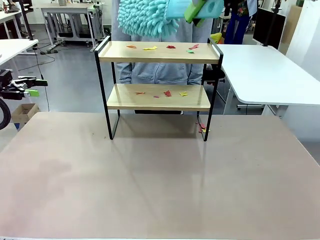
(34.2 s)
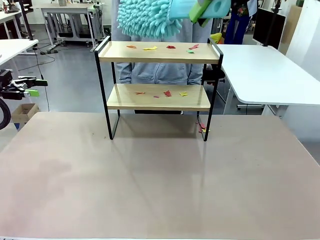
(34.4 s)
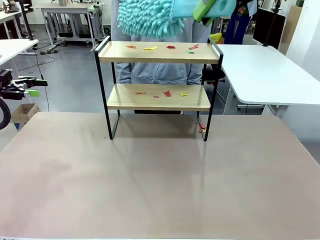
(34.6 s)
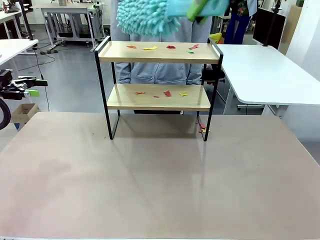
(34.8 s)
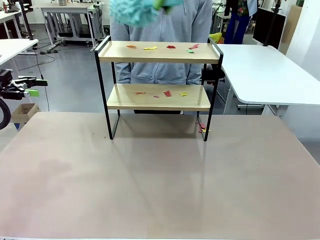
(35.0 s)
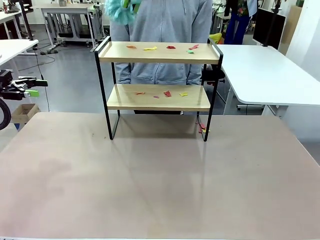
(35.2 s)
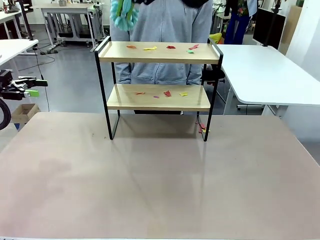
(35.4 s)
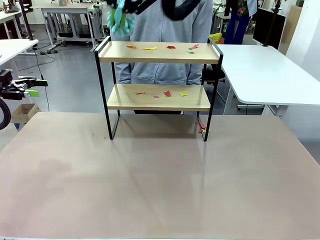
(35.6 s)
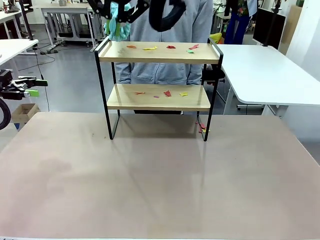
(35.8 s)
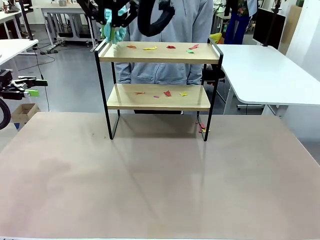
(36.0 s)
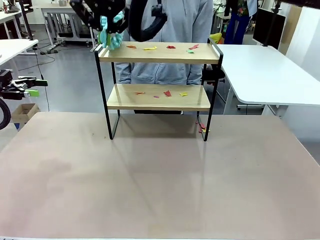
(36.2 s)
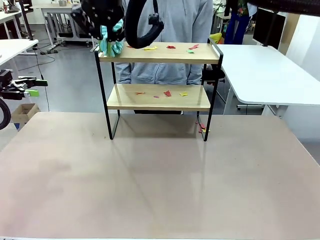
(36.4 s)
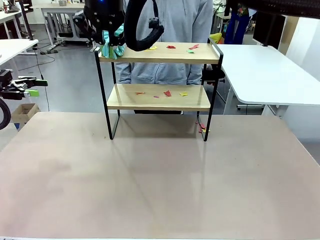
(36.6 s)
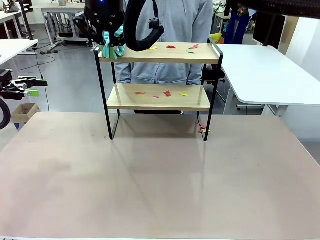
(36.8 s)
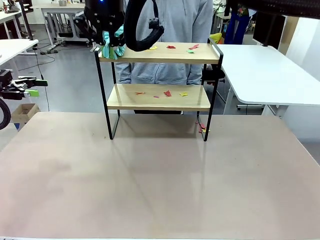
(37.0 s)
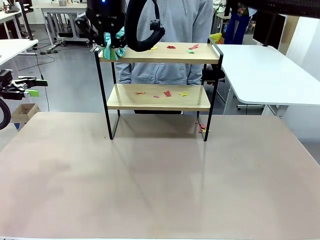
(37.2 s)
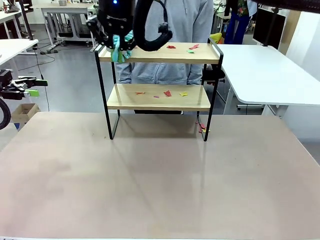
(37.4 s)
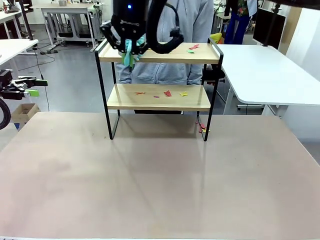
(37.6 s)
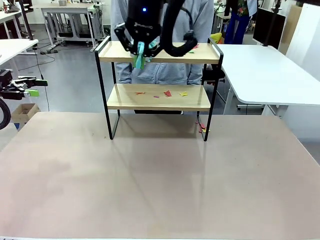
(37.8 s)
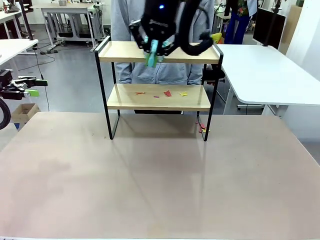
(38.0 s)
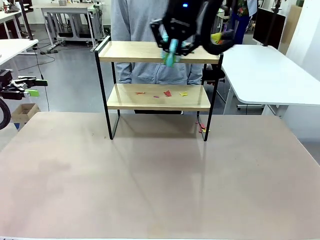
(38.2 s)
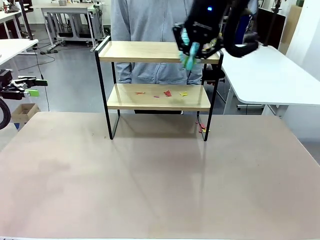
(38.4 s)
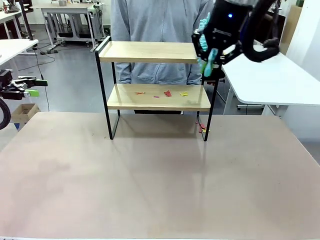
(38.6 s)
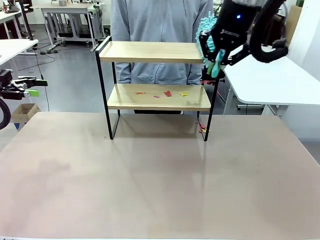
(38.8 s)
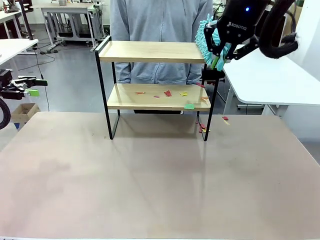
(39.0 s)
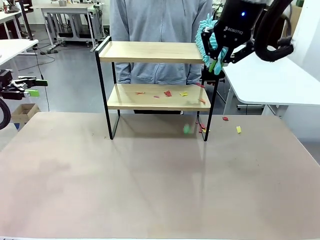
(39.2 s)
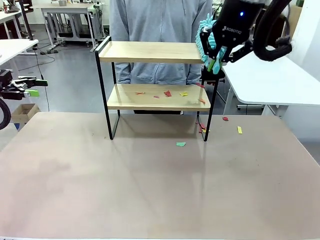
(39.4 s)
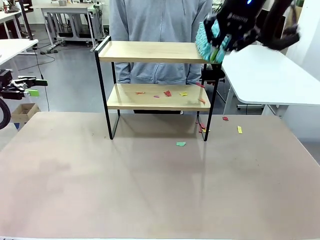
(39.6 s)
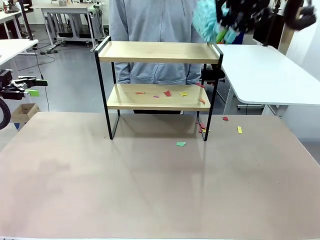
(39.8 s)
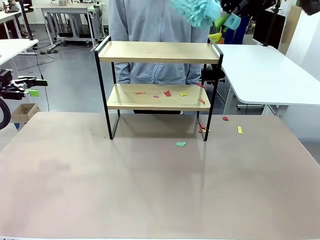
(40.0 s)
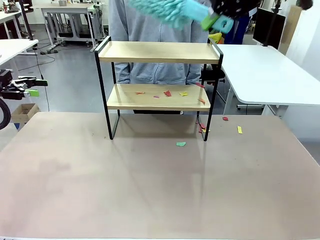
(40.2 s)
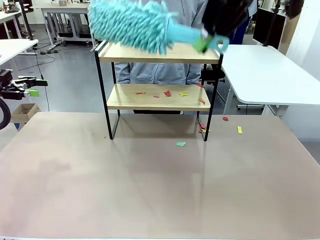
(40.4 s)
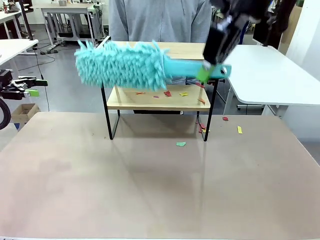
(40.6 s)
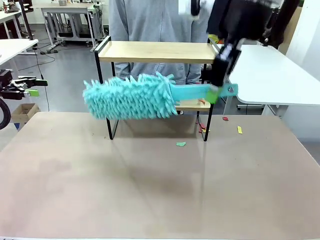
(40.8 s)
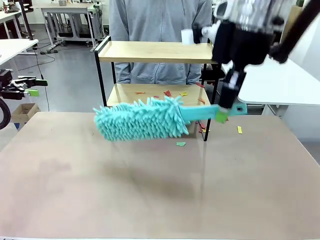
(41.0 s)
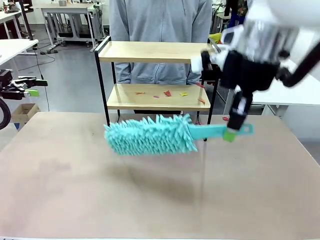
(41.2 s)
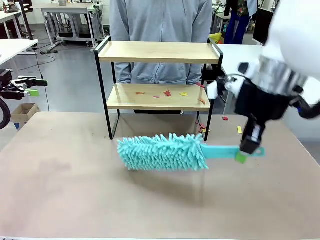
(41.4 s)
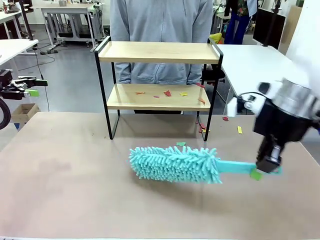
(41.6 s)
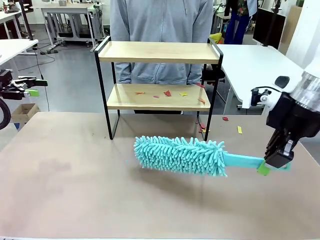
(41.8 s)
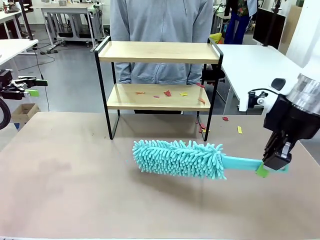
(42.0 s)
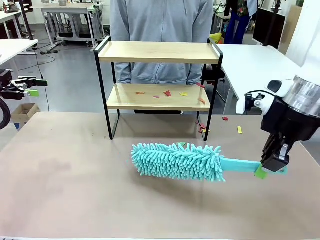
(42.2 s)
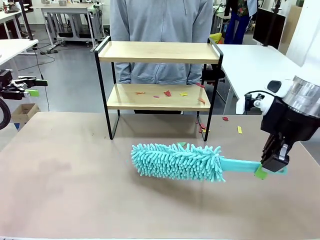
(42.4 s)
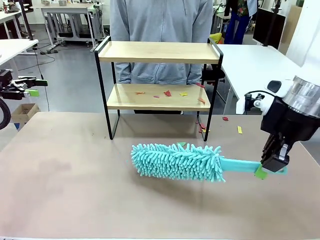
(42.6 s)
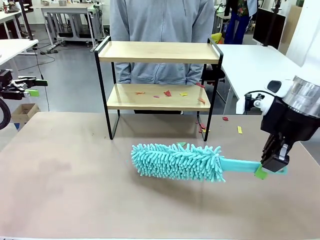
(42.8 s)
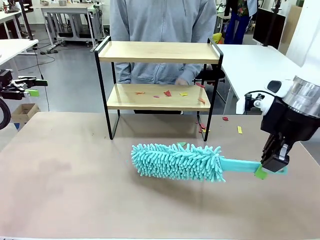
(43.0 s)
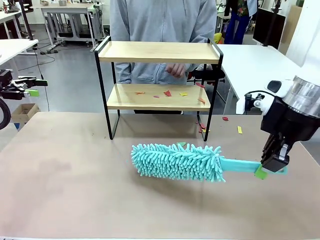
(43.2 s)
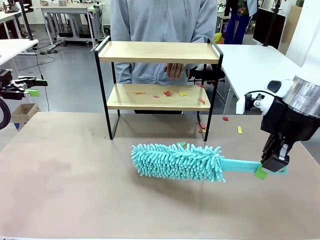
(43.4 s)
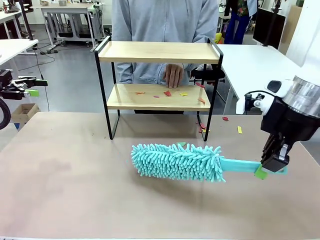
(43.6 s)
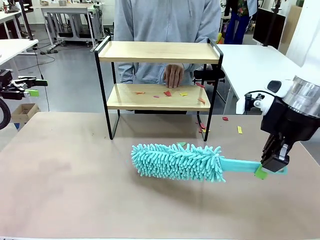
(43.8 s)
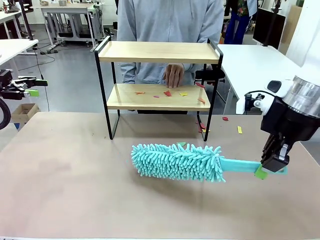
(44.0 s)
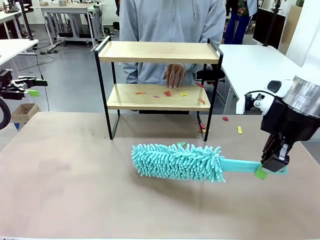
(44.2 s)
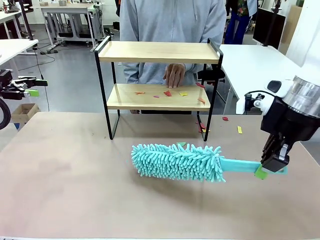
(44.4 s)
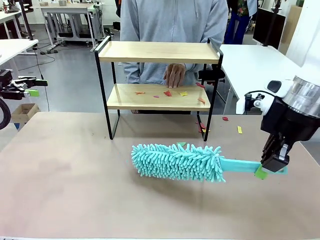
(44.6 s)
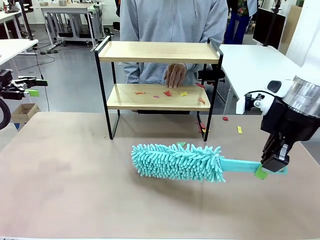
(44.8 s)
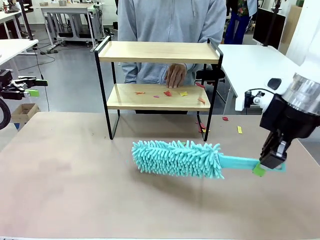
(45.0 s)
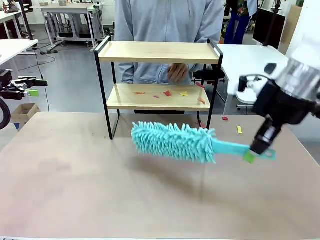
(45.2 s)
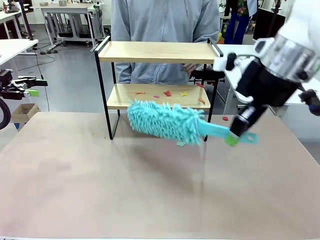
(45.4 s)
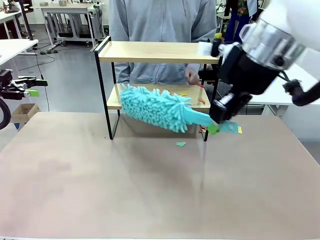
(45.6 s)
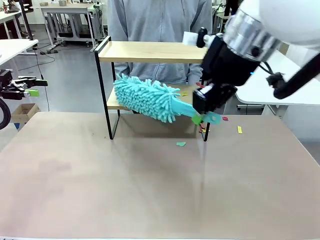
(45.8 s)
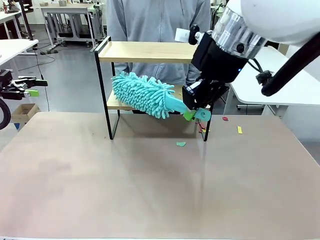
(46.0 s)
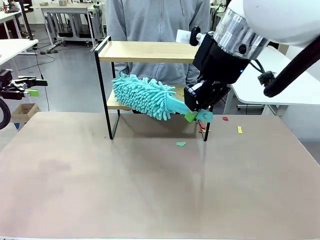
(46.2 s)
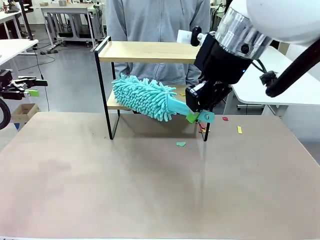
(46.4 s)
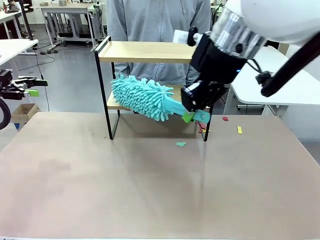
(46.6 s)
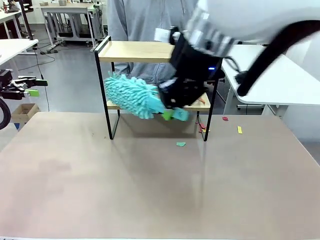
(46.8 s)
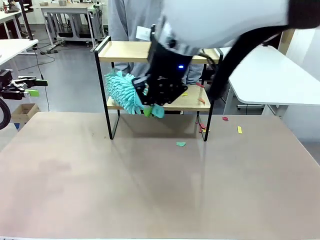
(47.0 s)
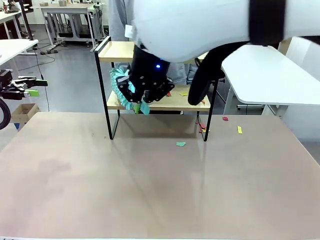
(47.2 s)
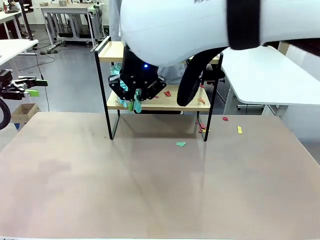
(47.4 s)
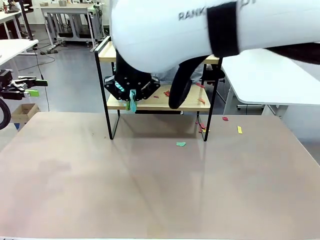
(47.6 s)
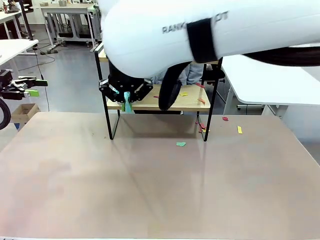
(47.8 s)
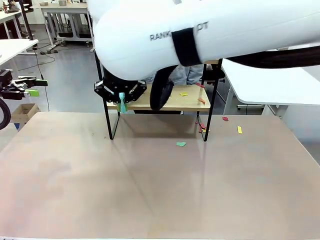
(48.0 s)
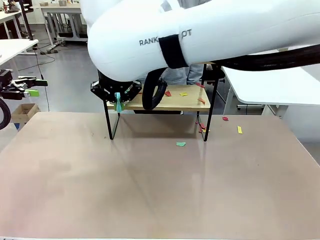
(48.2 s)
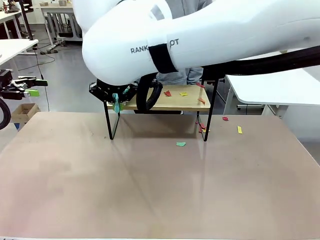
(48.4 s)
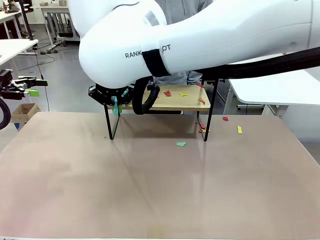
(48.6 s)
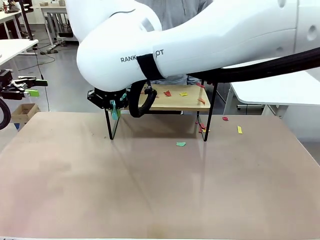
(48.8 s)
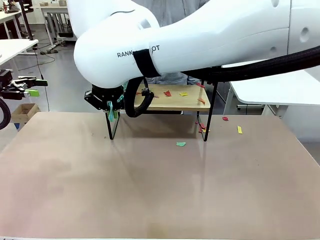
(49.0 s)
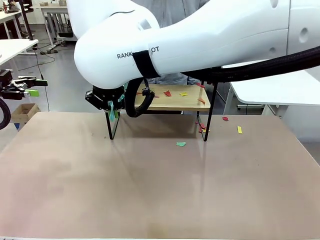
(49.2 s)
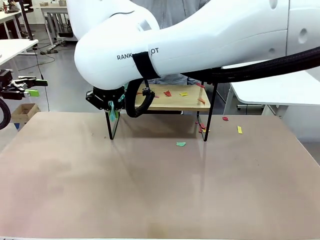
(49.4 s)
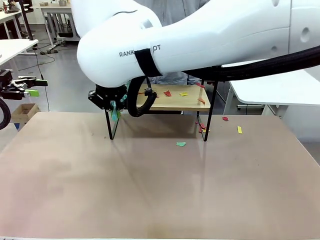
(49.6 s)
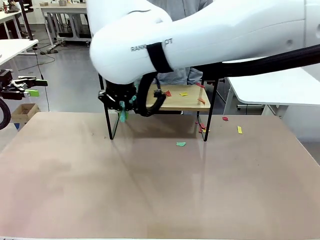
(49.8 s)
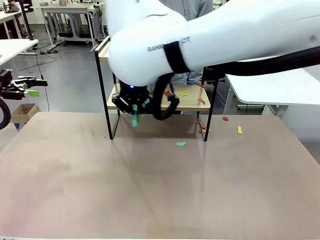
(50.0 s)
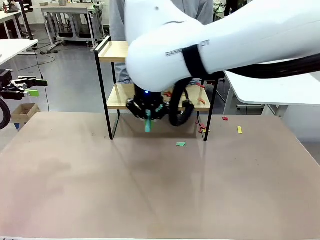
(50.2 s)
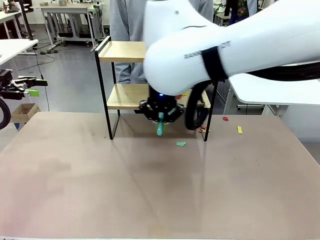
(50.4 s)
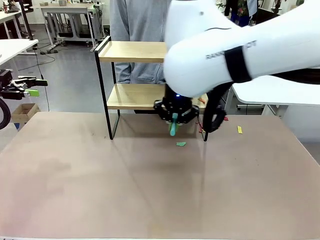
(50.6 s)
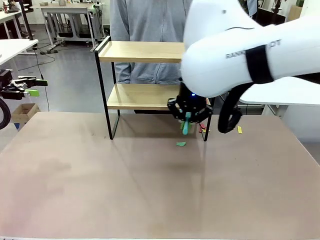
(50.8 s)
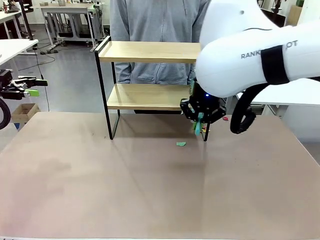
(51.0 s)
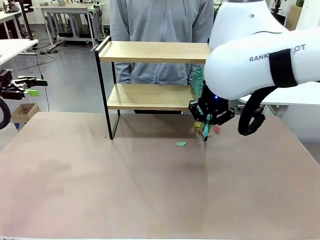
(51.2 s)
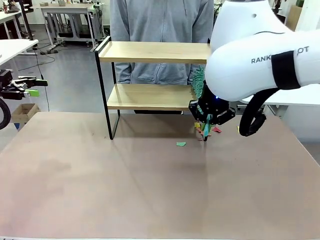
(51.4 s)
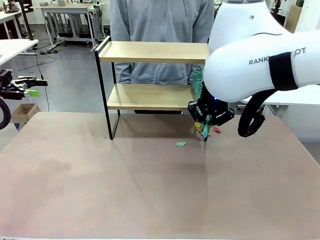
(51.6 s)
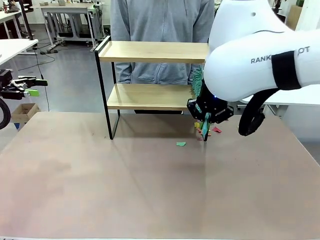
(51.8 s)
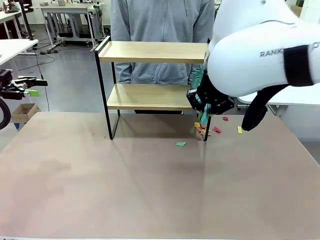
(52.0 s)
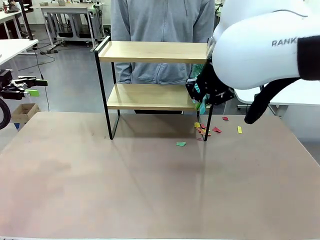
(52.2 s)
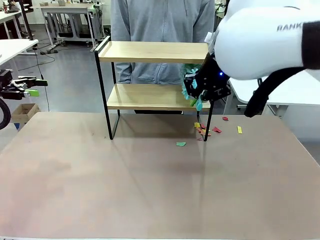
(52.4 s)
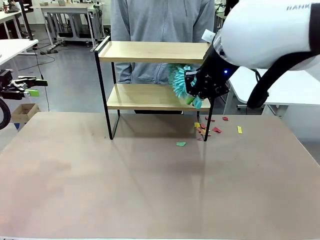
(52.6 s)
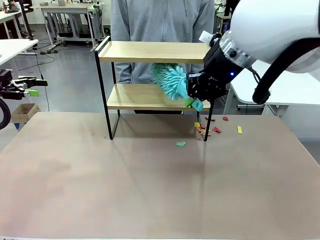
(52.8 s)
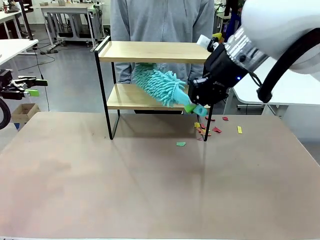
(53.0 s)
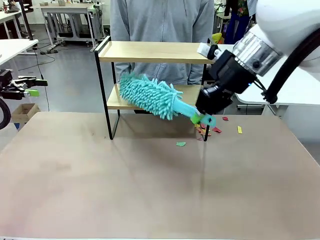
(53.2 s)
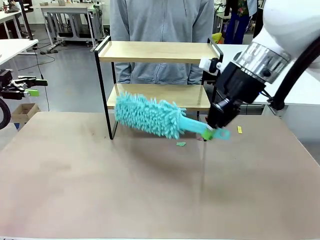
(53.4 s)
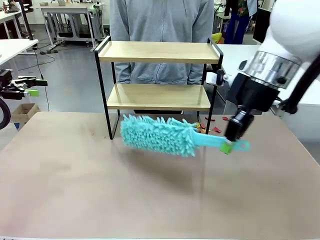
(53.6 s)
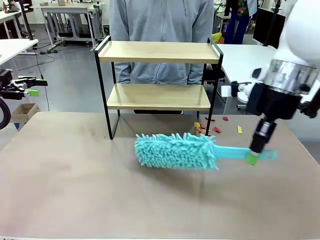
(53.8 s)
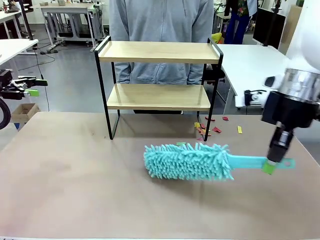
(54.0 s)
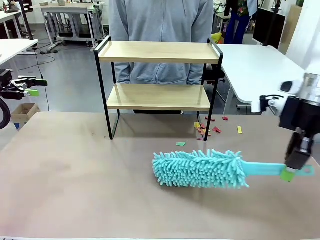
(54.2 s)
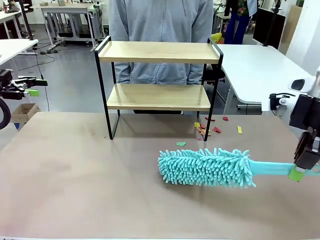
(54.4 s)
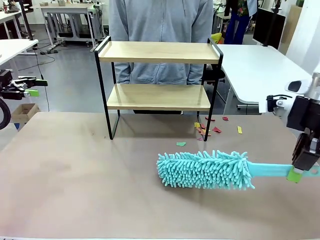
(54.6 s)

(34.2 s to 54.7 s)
Task: Clean the shelf.
Robot: Clean the specific section of the Shelf indicated by the human with the Duster.
Person: Point a remaining section of the Shelf.
